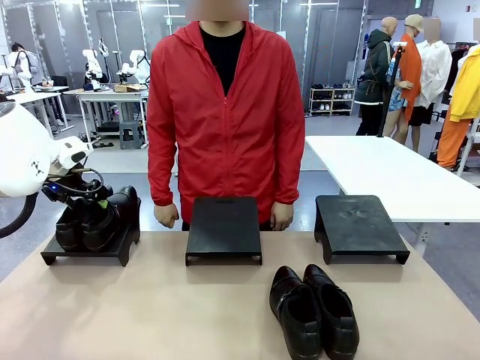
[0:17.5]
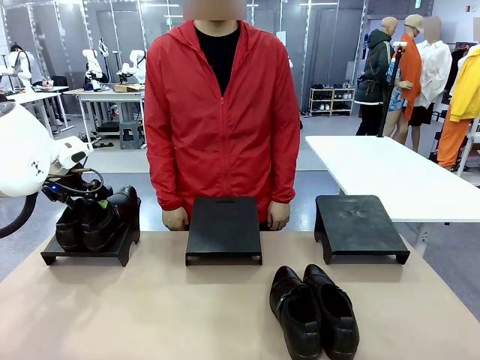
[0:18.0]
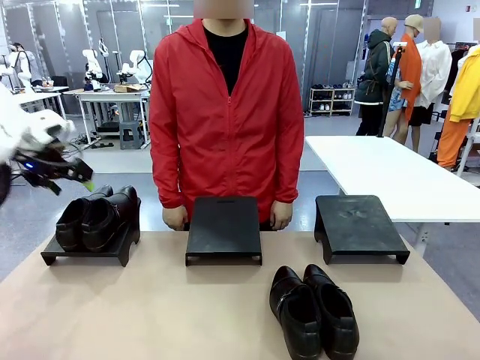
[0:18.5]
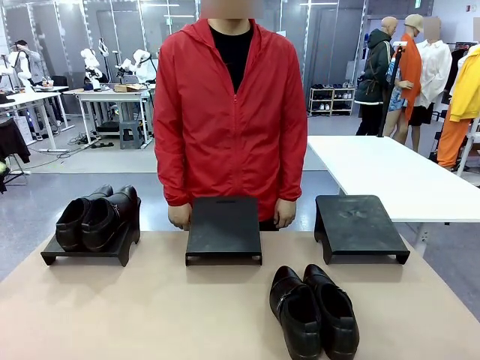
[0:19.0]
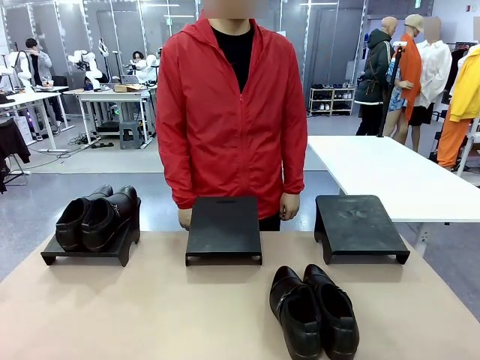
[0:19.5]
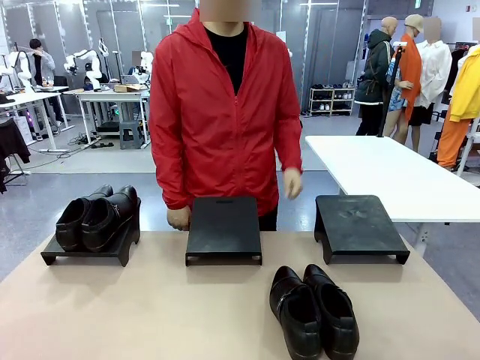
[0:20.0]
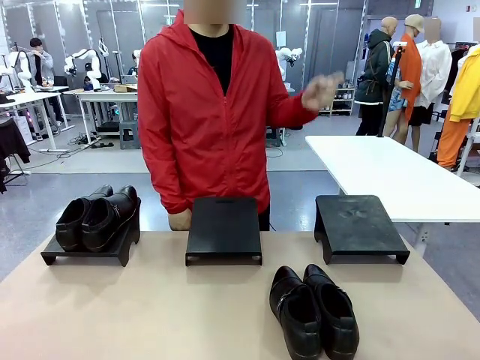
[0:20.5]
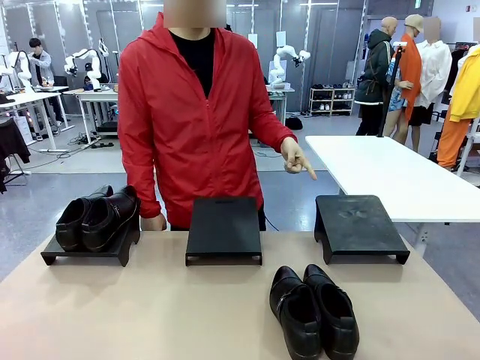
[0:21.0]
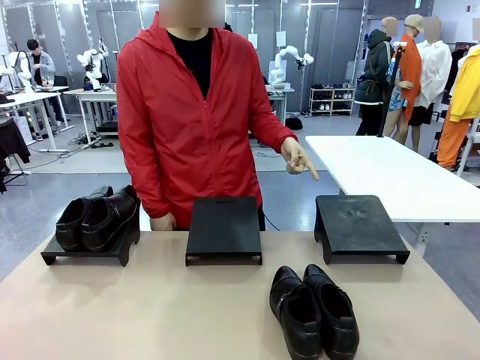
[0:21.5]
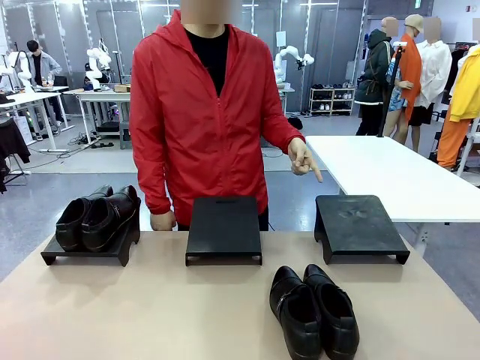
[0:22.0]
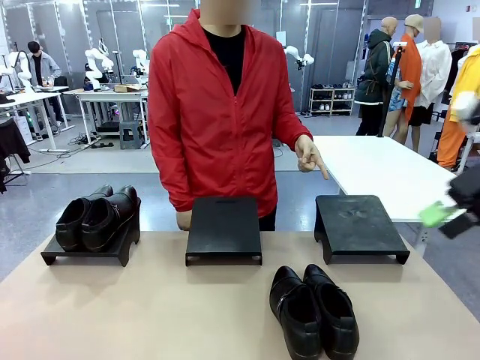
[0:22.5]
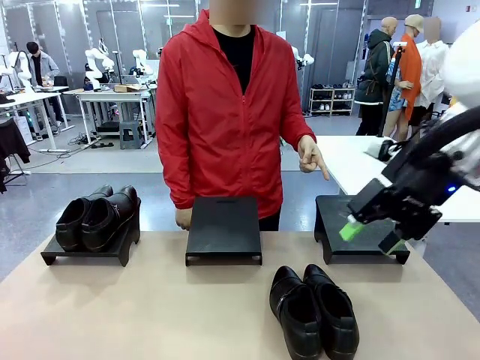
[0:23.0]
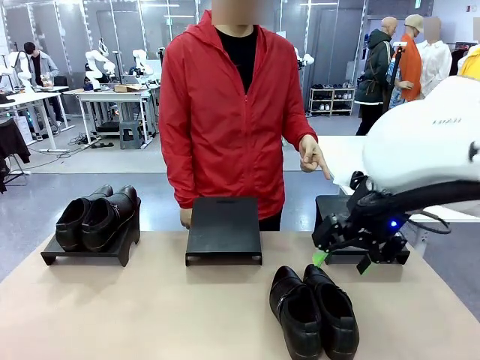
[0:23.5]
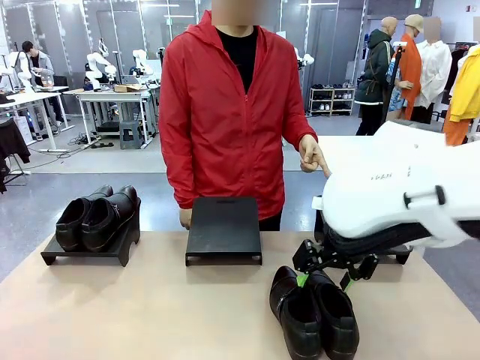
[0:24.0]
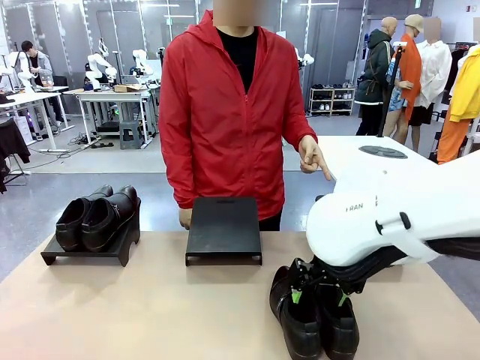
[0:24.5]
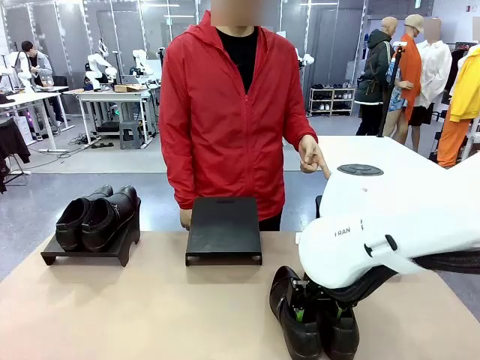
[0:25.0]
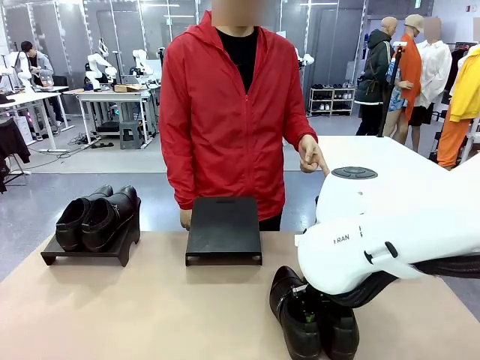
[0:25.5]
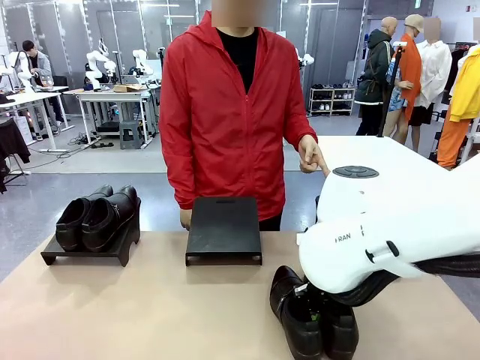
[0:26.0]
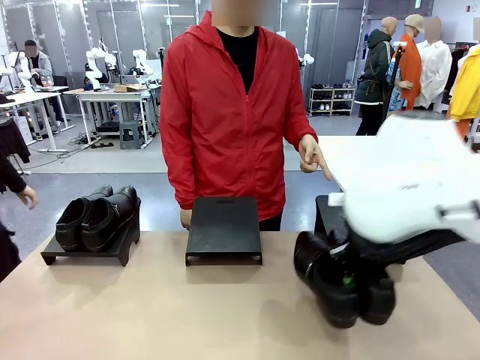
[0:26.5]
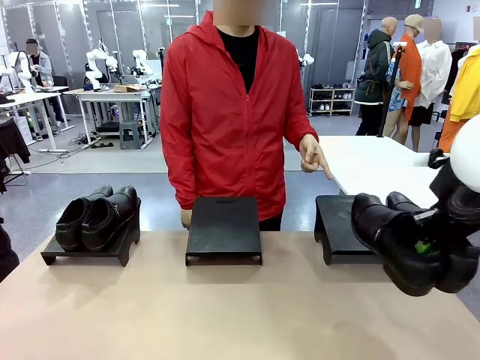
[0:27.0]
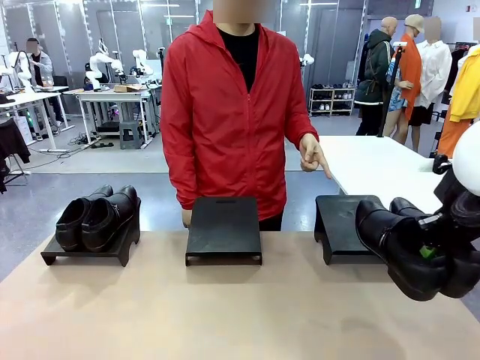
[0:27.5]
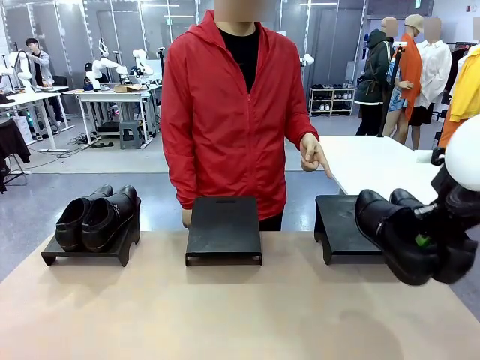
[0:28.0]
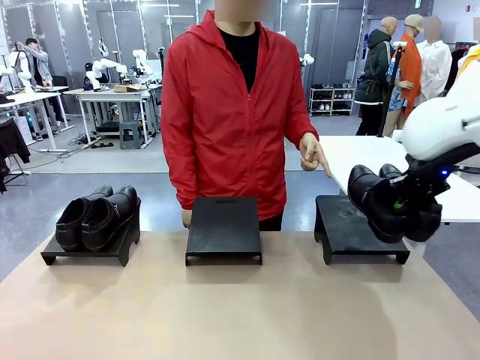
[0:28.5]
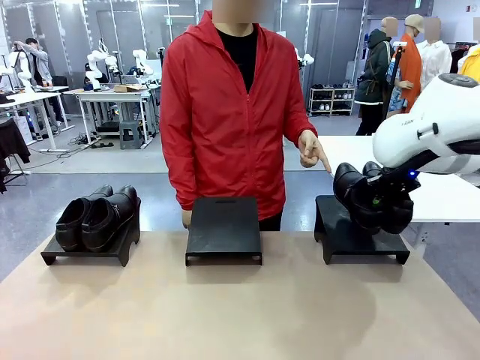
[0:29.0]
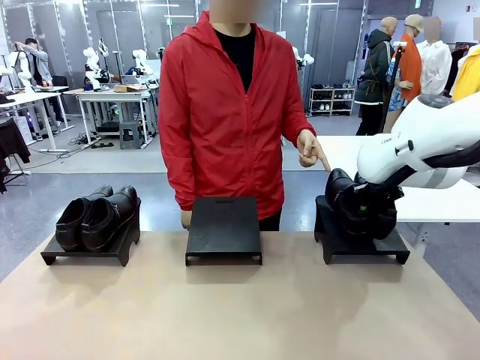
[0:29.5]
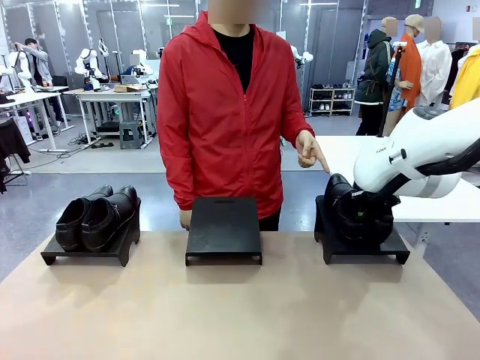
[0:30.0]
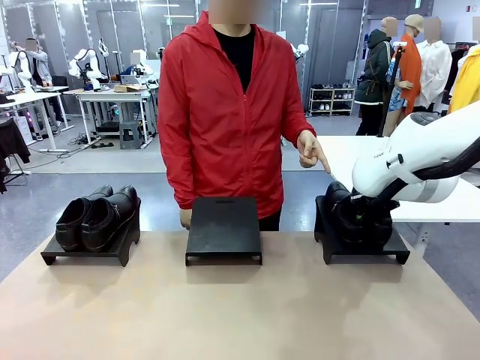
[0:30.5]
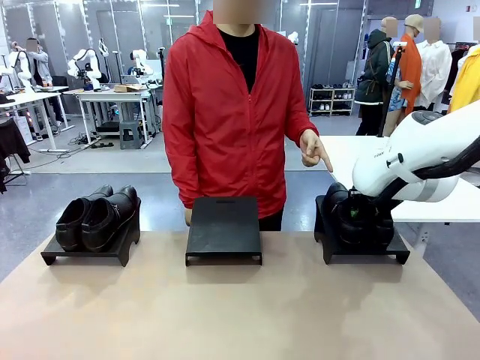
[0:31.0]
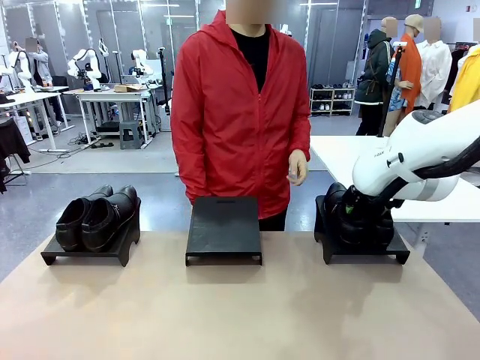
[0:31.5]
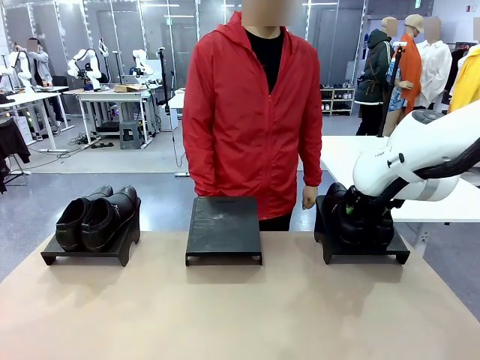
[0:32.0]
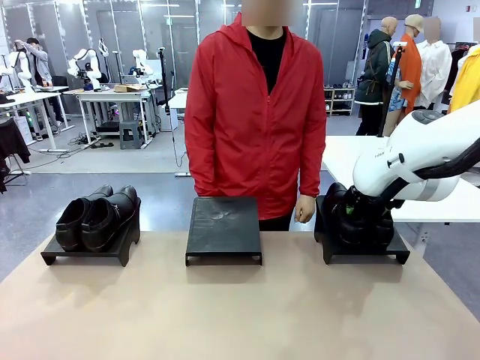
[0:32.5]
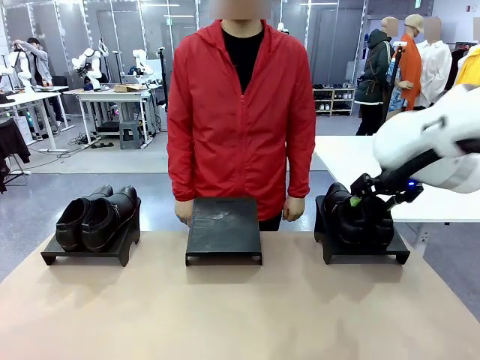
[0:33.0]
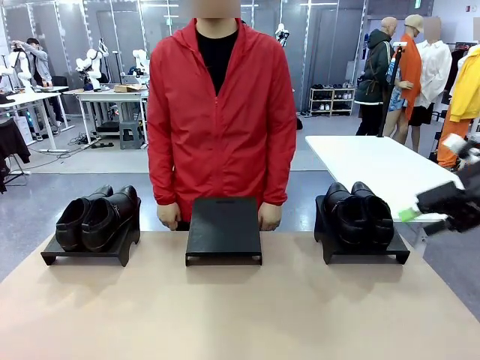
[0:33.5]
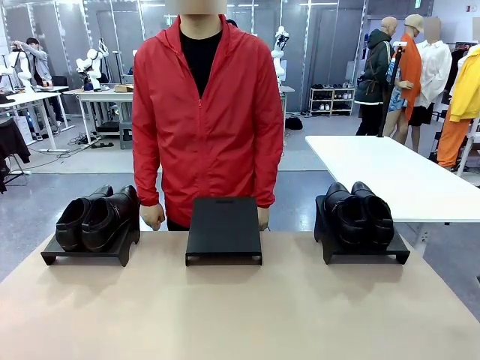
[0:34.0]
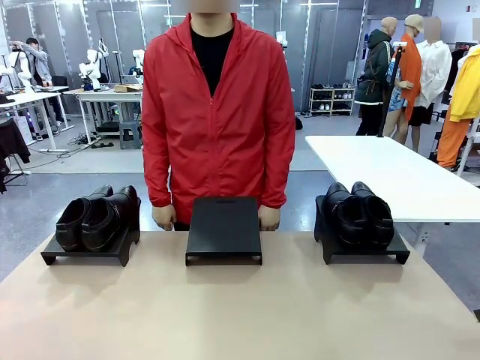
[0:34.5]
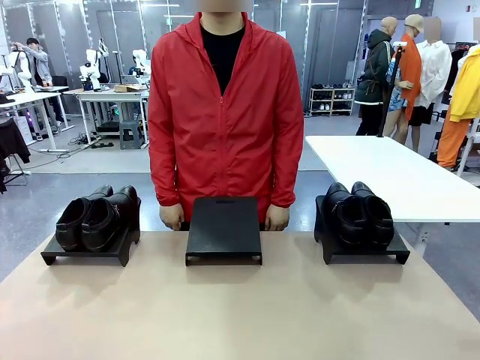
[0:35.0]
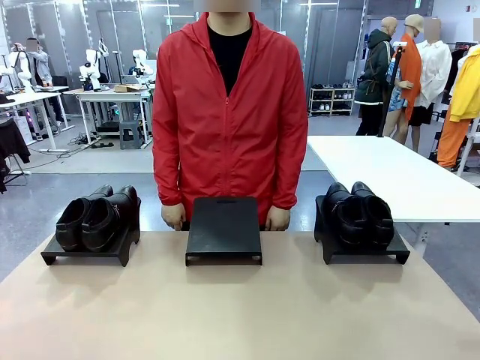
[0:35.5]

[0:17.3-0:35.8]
Task: Place the shoes on the stand as instructed by the person.
Robot: Pick up another pair of Shoes and place it on the Shoes Stand indicated by the person.
Person: Point to one Shoes Stand.

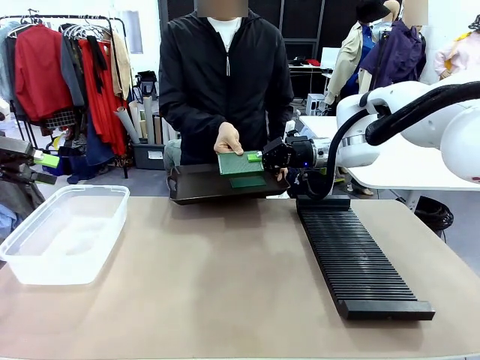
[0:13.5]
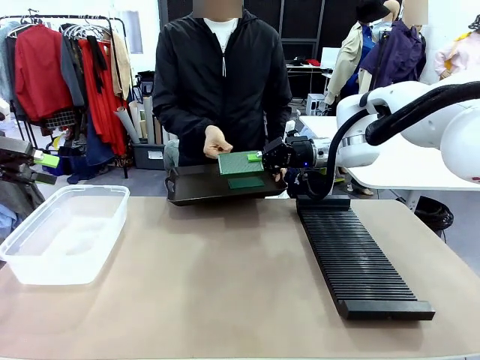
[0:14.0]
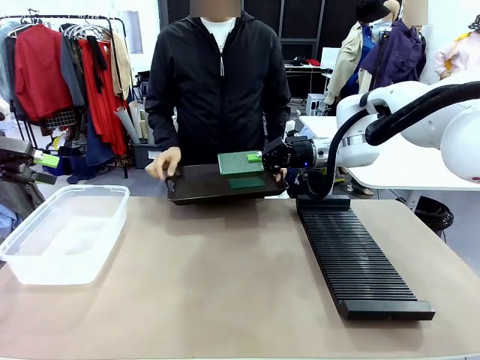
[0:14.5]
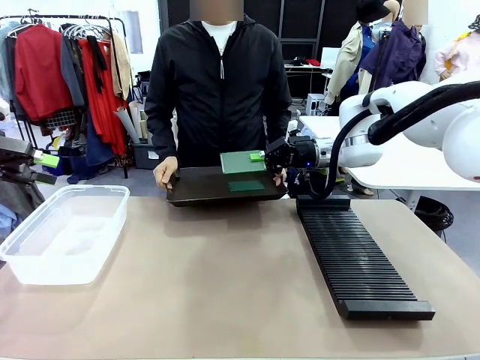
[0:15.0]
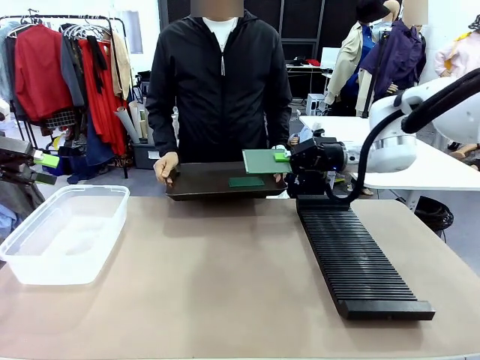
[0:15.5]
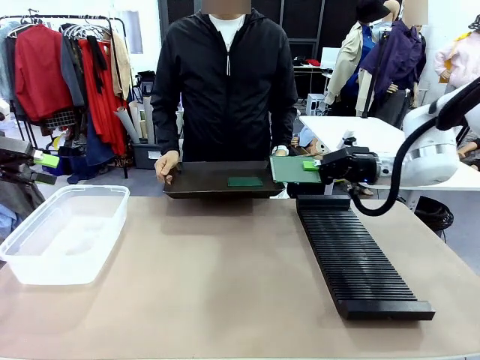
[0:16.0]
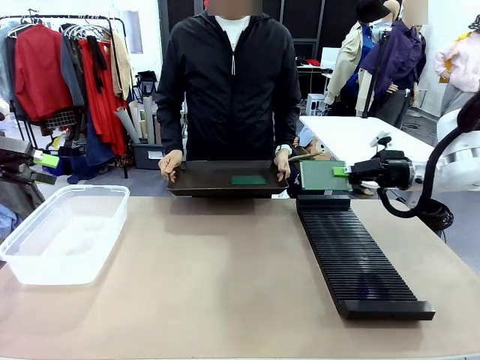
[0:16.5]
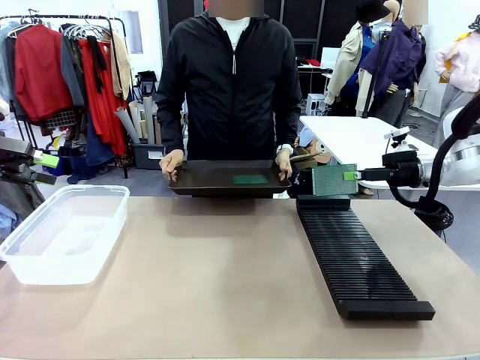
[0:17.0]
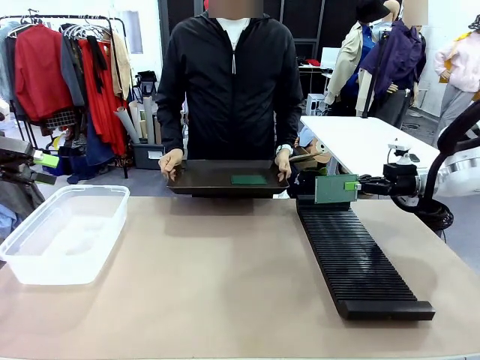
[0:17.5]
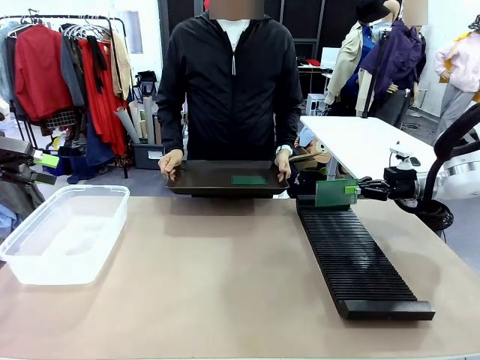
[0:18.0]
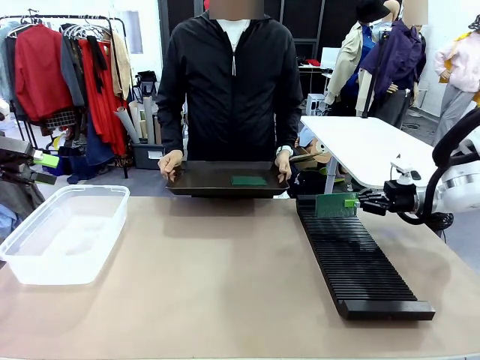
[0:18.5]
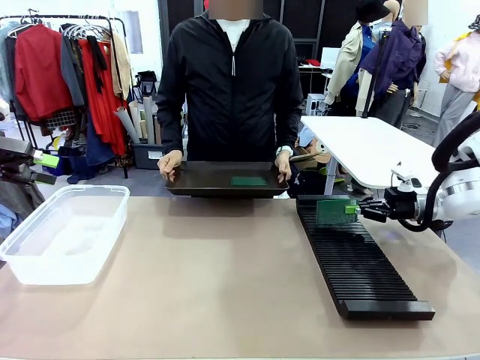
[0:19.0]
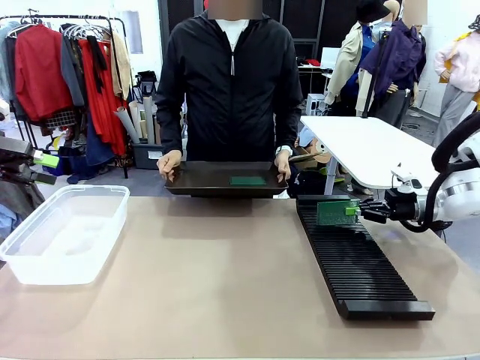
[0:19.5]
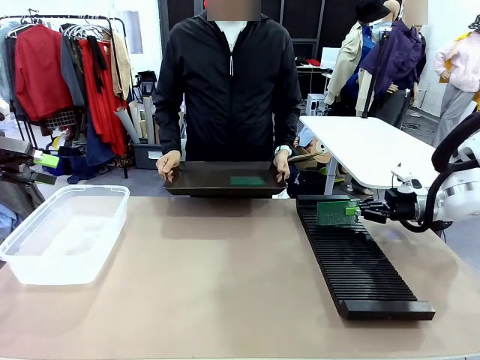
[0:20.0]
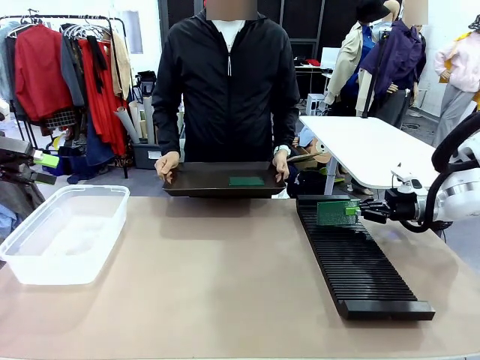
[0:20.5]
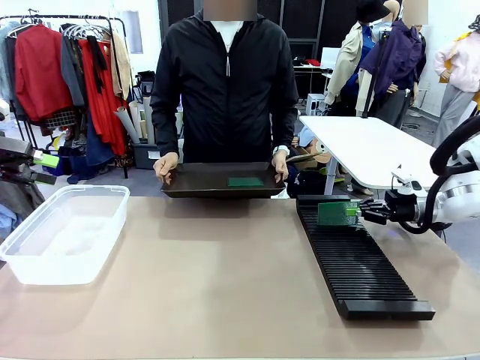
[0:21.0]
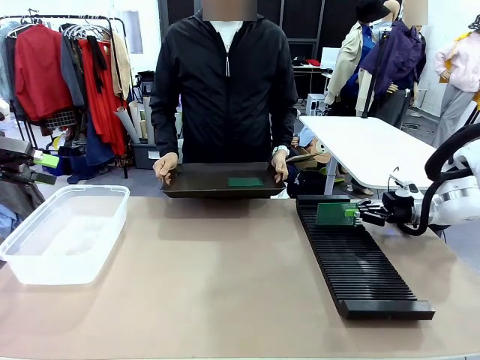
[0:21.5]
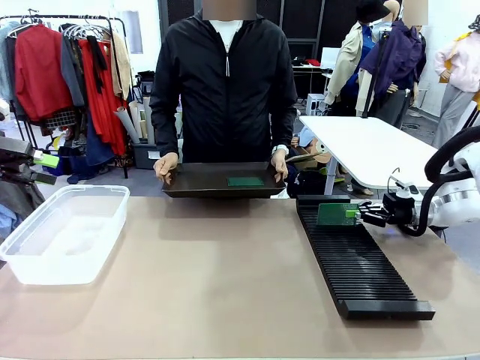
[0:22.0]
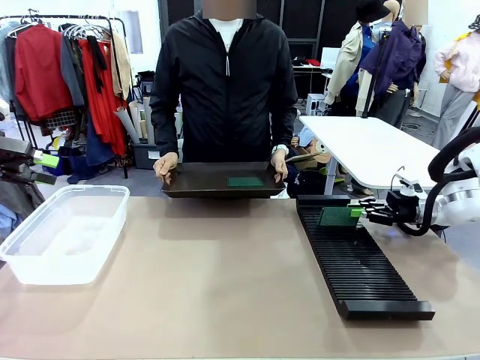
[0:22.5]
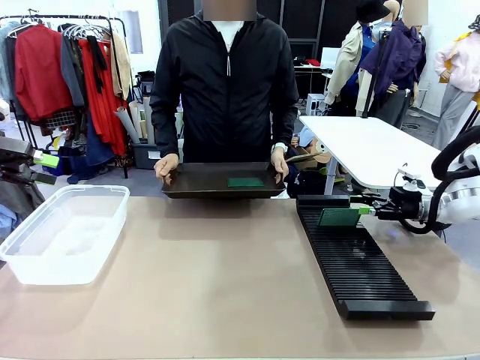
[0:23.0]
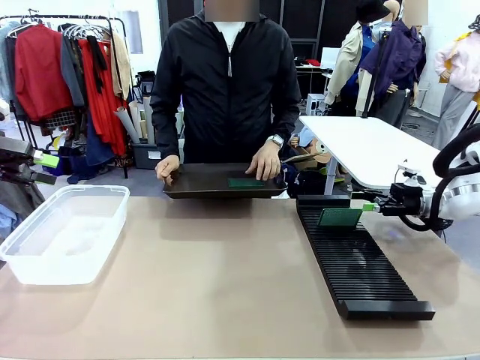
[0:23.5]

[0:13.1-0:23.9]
Task: Sort PCBs into racks and boxes based on the side picked up.
Robot: If the short side of the Blank PCB is picked up, insert it into the PCB Rack ; if the long side is picked up, place it in the Organizing box.
Person: Pick one PCB from the tray and present it to the robot.
